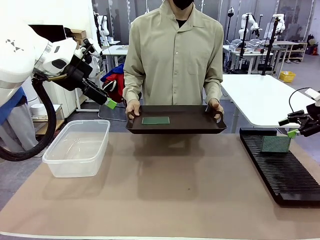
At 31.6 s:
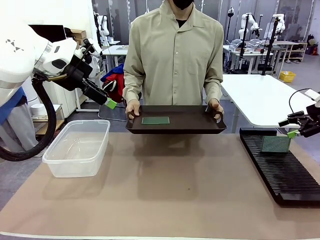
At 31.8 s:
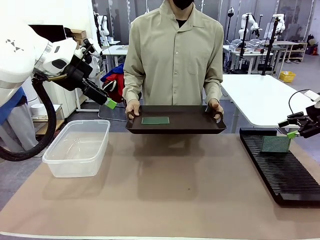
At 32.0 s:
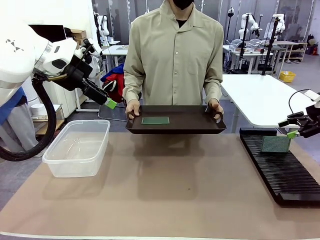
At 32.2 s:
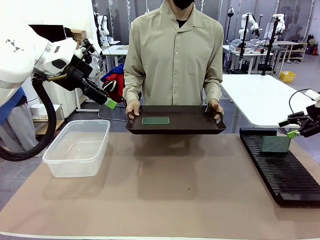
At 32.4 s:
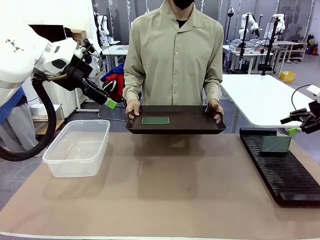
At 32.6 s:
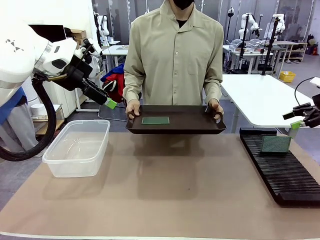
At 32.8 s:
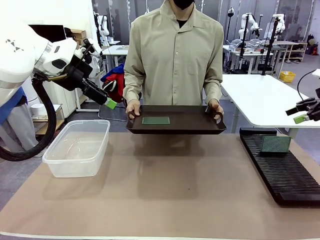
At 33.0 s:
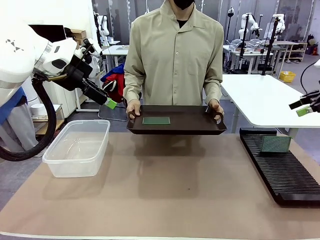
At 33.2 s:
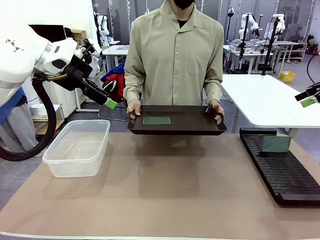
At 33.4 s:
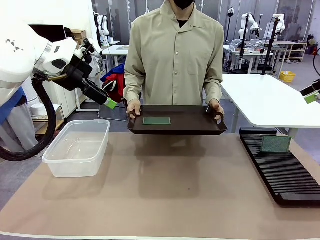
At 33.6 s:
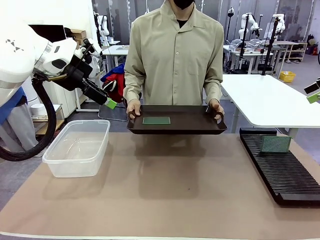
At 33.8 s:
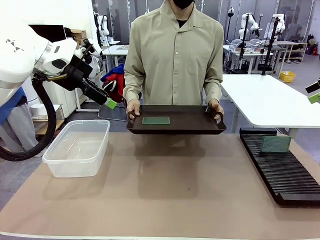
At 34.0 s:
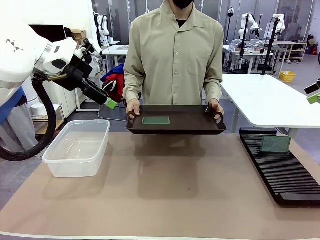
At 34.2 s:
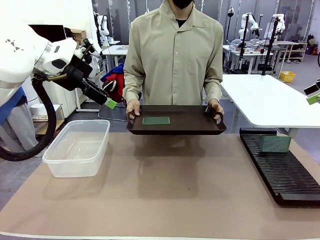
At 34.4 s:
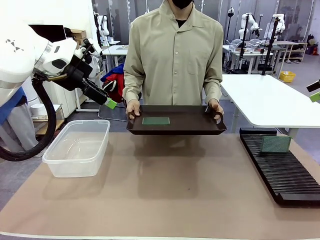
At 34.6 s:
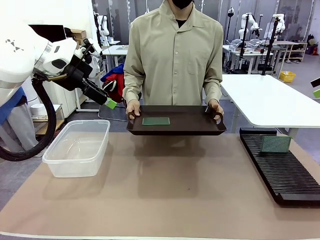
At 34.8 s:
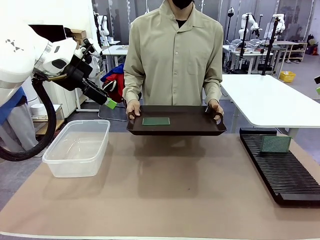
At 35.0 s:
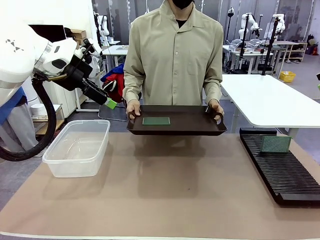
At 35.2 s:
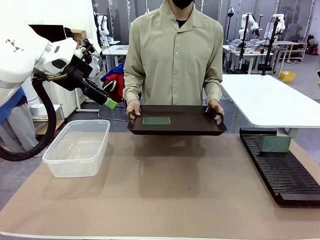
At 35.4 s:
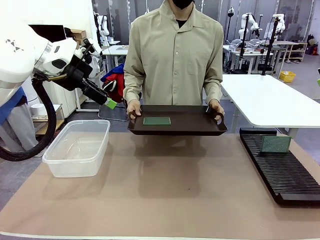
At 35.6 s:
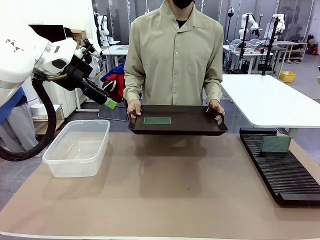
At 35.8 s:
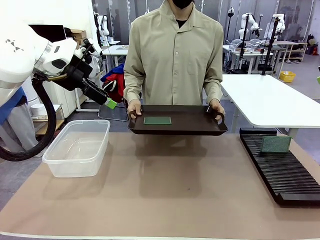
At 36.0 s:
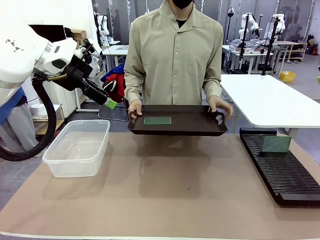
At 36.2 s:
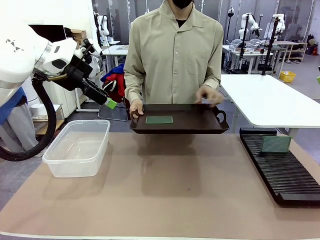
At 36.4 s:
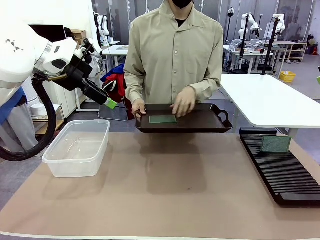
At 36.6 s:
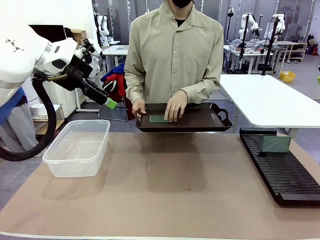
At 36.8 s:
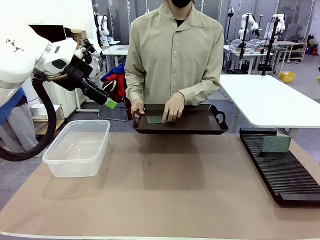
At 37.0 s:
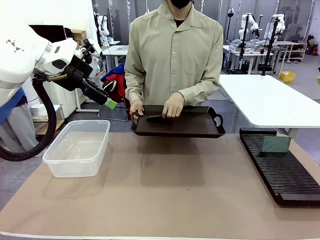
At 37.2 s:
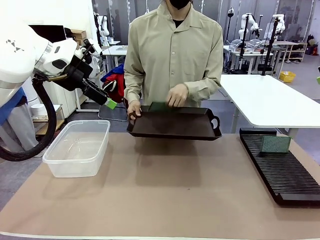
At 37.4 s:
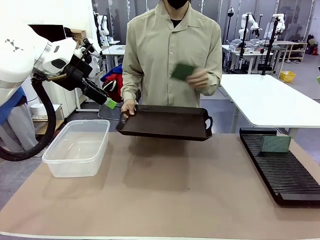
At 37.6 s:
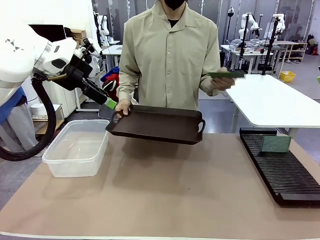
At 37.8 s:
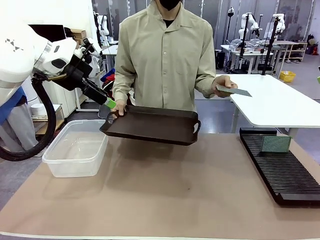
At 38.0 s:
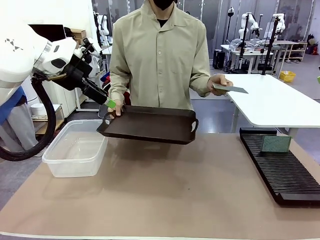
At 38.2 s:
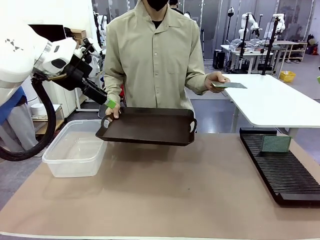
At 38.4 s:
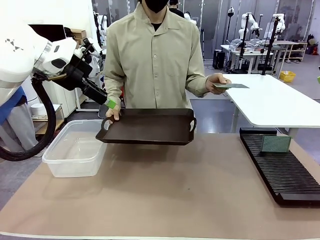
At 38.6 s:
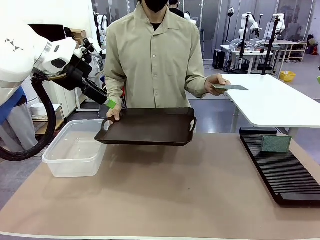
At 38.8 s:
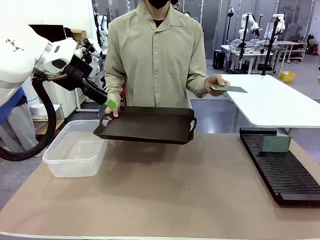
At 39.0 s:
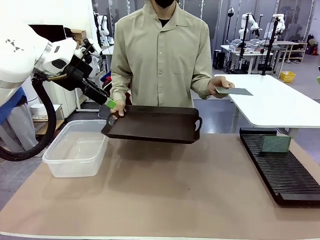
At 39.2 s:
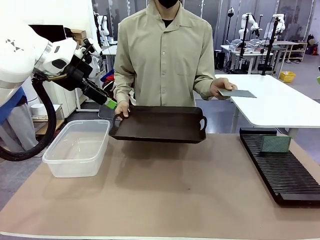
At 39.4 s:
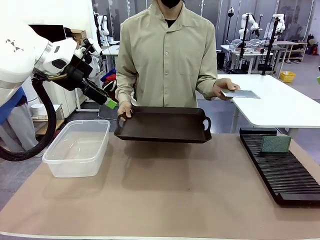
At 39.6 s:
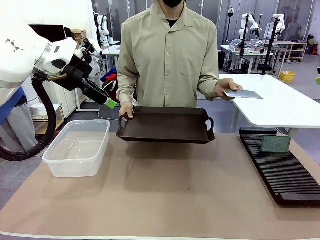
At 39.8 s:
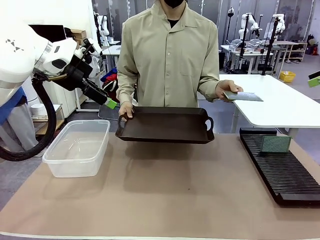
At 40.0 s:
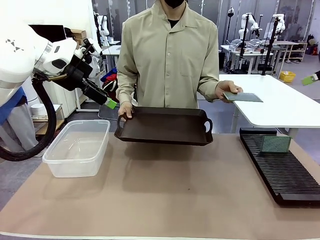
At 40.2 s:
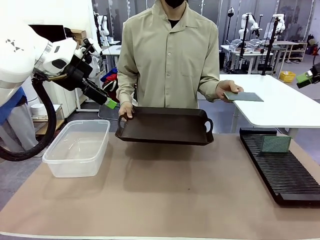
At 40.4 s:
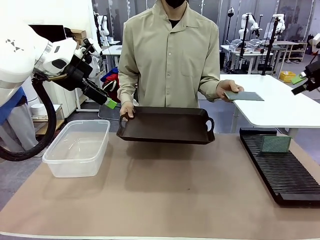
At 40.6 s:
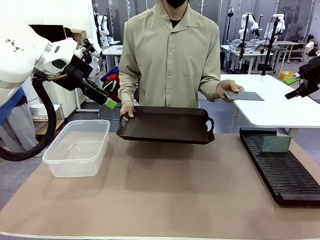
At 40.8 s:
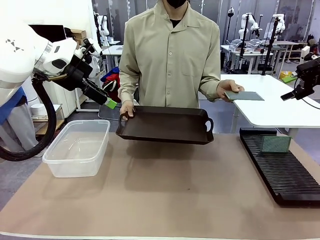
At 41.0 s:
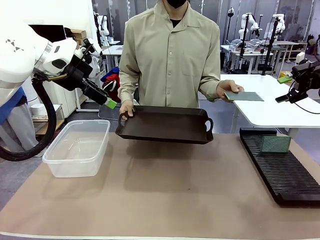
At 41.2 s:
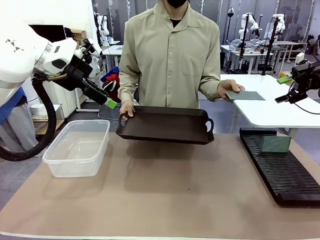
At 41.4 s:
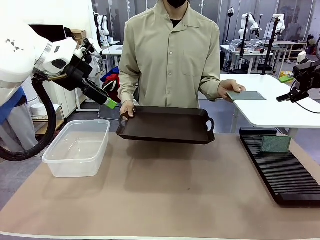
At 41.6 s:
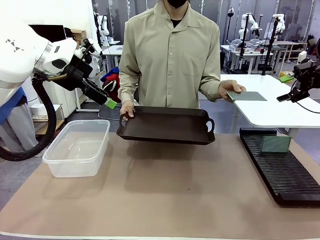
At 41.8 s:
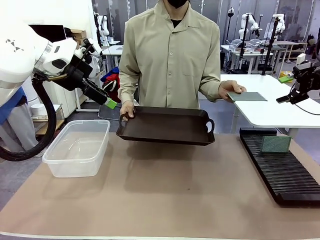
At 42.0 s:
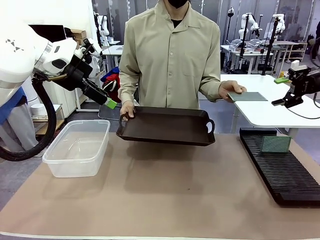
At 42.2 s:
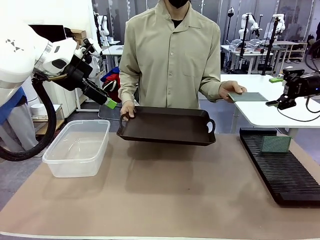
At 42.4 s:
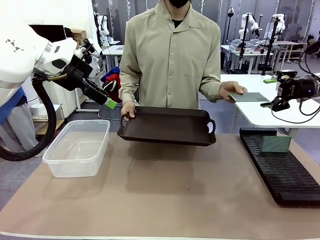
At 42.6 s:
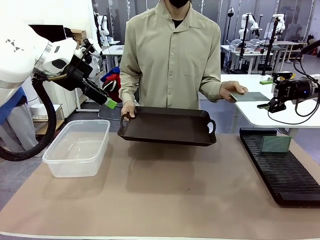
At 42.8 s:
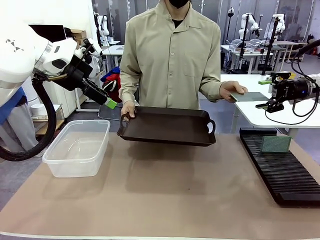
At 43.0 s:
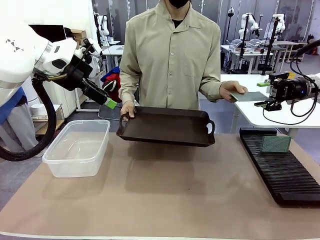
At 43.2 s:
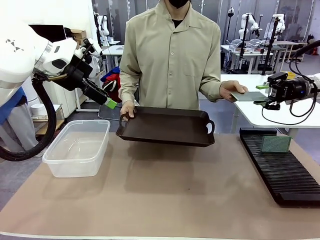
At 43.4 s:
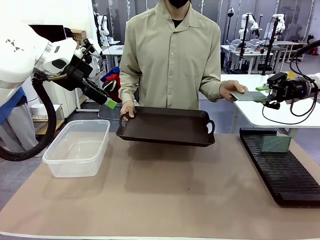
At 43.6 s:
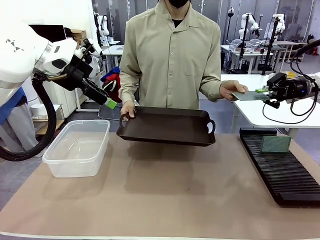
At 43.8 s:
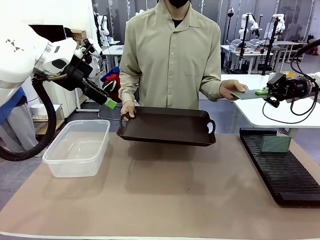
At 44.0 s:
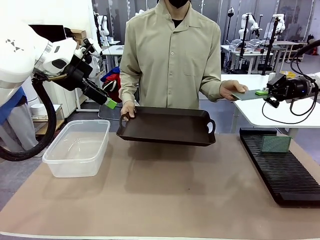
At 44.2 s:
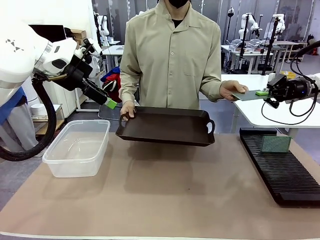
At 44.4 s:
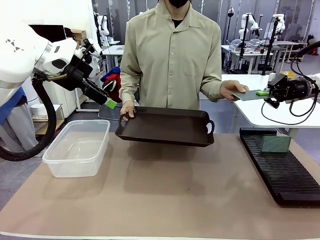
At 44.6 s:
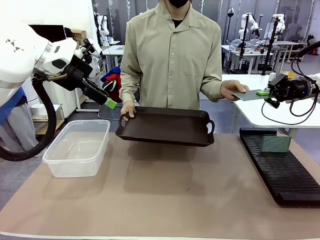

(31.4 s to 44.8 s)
Task: Sort PCBs into racks and boxes based on the side picked up.
Robot: Pick up the Blank PCB handed by the Human.

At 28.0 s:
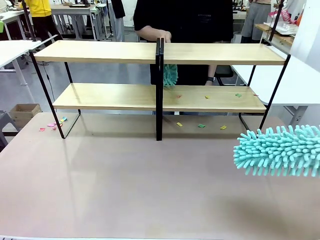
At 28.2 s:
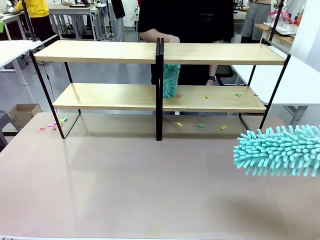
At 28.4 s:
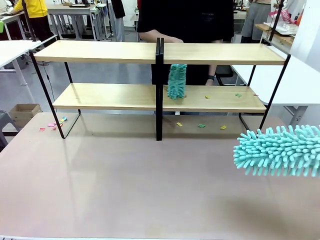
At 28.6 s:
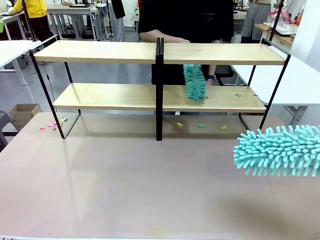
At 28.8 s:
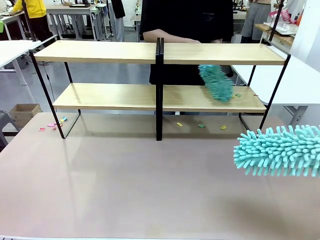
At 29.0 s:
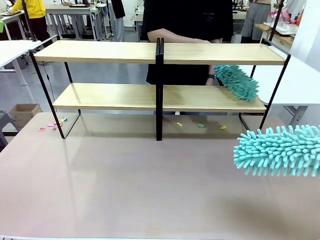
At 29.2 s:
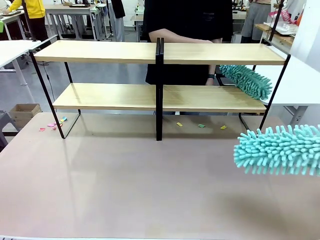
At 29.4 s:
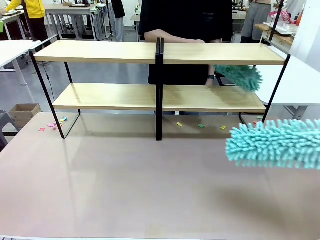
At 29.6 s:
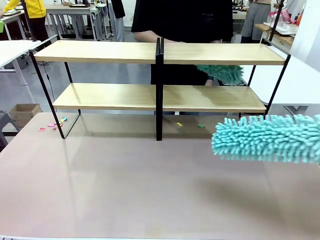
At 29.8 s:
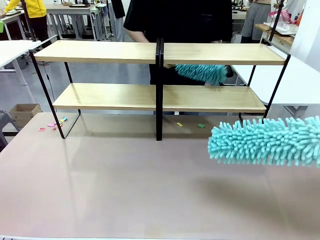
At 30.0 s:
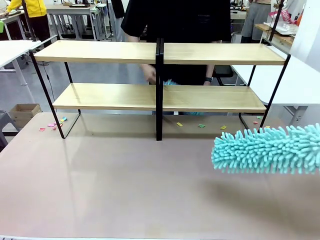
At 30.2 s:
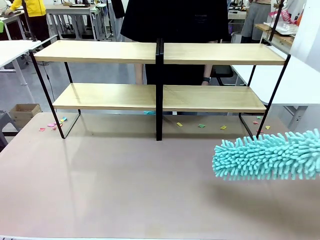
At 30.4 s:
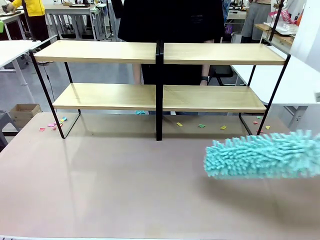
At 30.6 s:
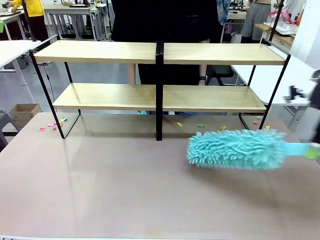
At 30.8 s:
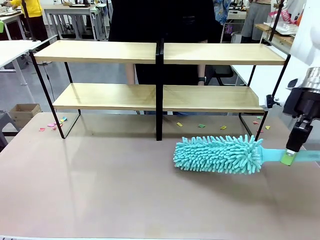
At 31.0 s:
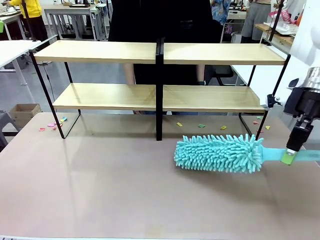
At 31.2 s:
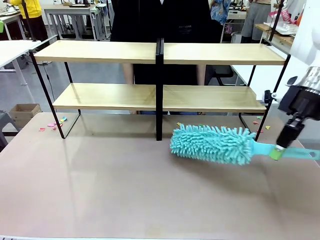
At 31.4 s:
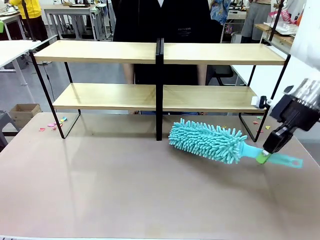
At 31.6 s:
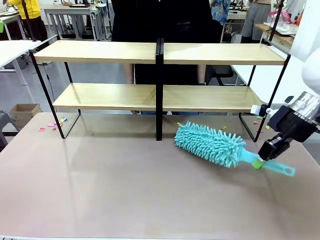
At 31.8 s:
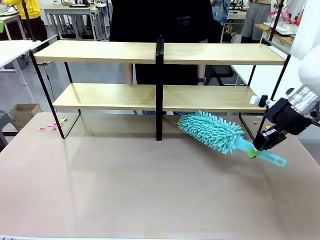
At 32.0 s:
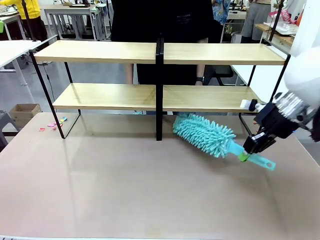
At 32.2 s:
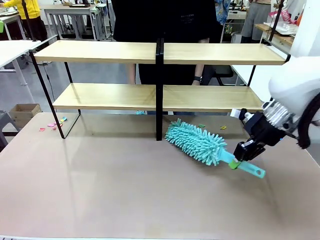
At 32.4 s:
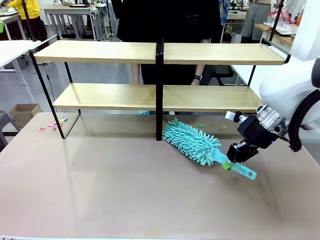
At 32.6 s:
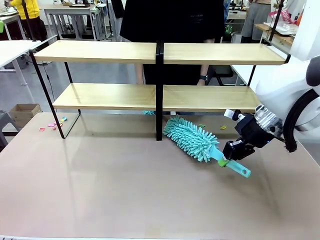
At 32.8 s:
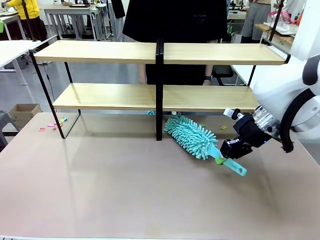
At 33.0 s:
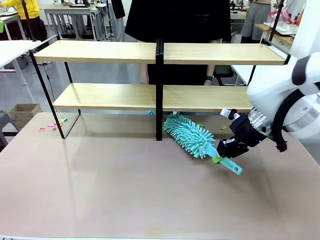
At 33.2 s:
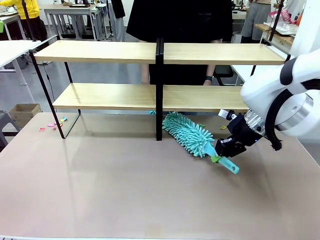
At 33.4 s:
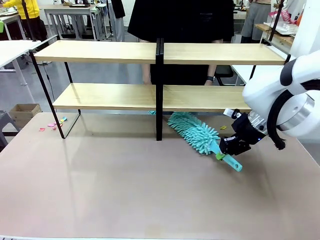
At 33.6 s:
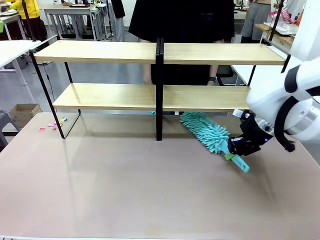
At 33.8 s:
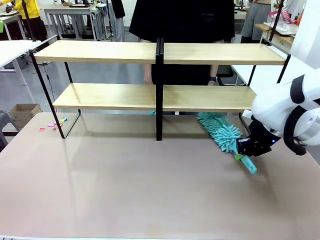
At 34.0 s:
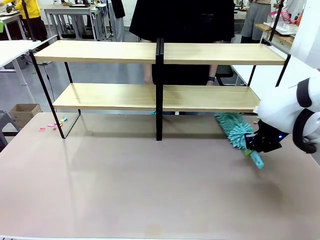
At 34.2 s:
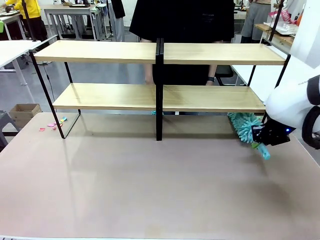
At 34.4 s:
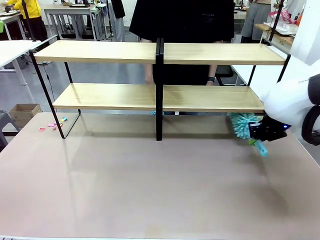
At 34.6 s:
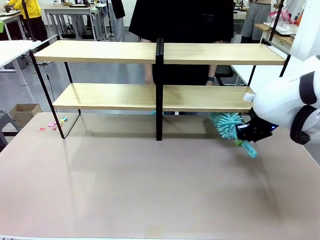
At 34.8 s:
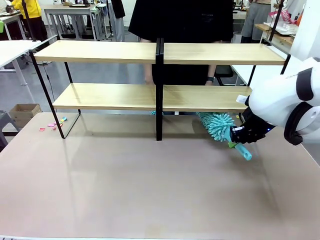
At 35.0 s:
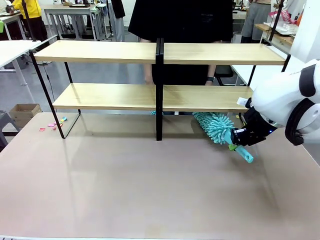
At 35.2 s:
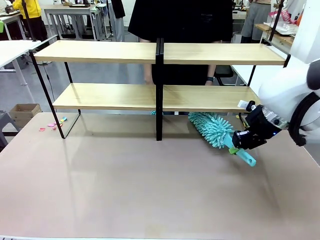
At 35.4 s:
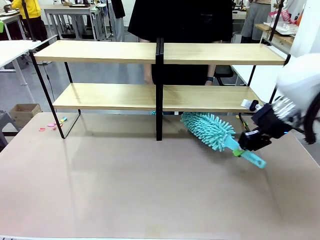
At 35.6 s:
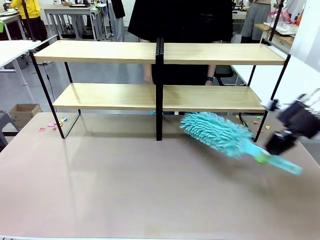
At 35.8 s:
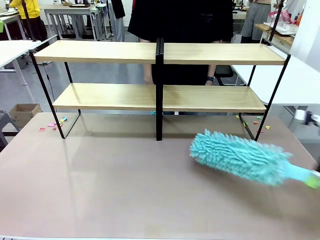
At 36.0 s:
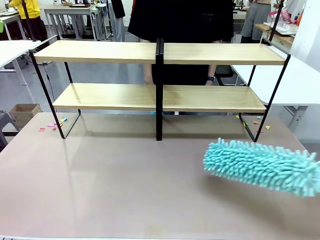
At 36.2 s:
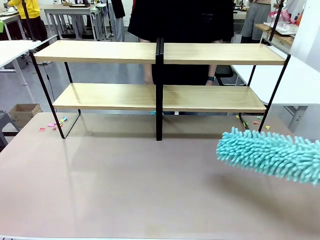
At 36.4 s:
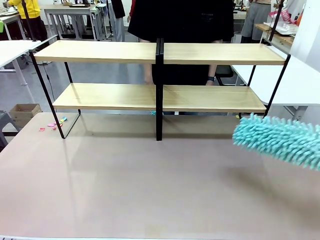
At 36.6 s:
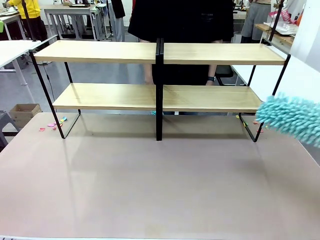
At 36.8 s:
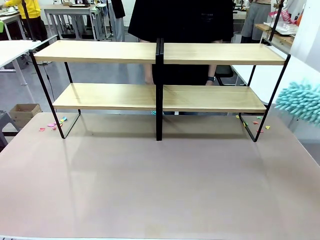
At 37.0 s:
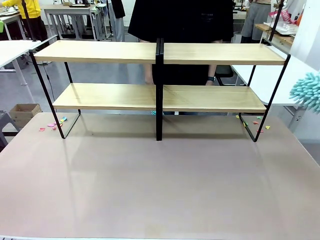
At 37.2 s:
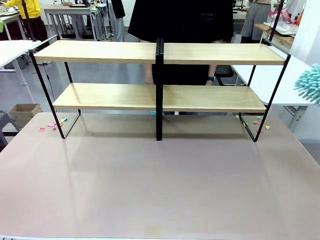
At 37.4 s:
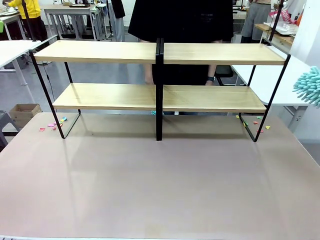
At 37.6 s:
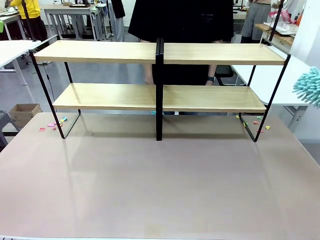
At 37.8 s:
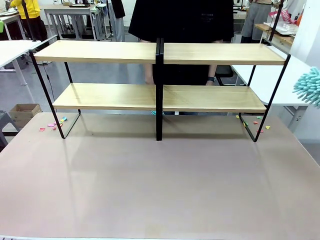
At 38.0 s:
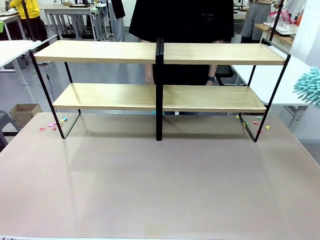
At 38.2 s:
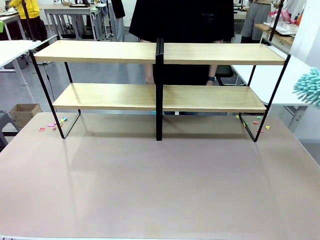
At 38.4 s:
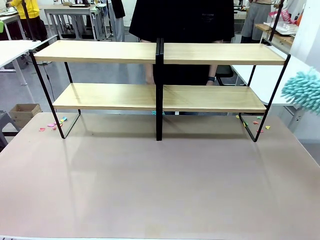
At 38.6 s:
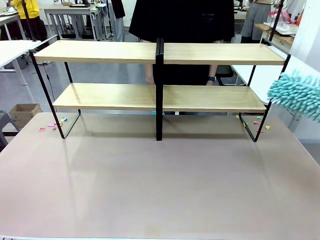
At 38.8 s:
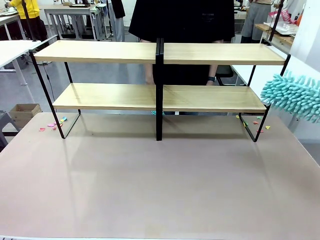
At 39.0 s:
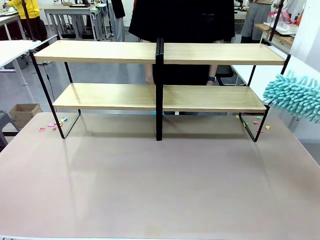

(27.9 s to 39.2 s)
Task: Clean the shelves.
Robot: Clean another randomly selected level of the Shelf with the Duster.
